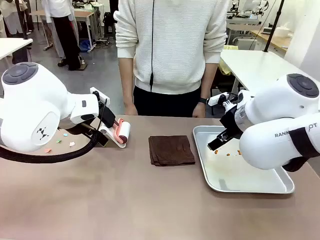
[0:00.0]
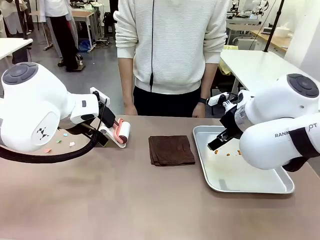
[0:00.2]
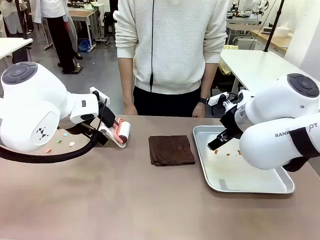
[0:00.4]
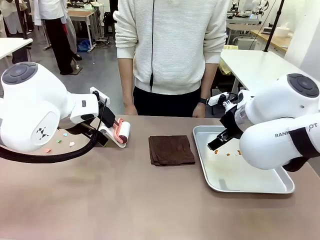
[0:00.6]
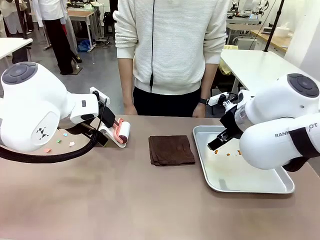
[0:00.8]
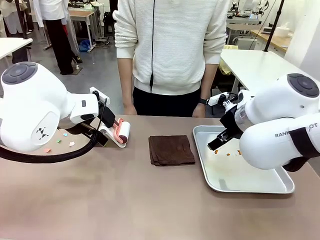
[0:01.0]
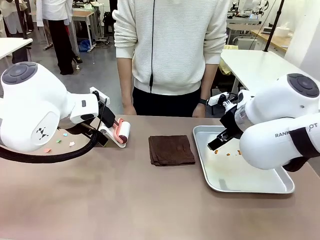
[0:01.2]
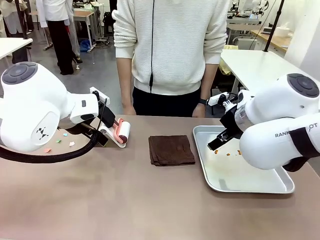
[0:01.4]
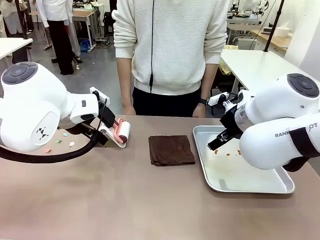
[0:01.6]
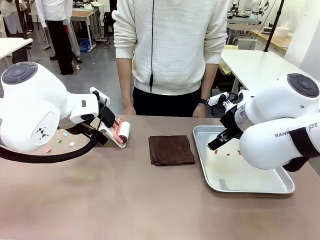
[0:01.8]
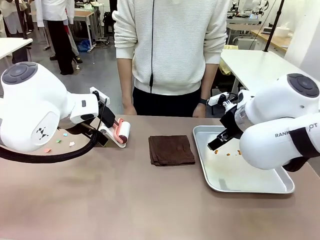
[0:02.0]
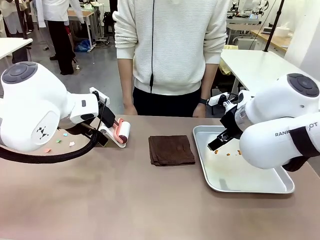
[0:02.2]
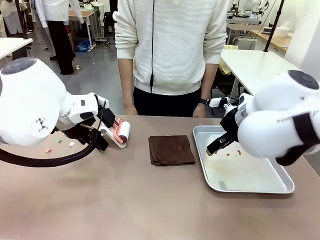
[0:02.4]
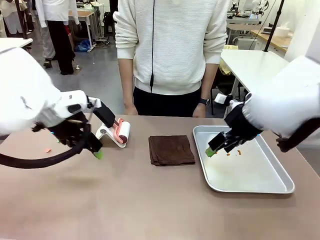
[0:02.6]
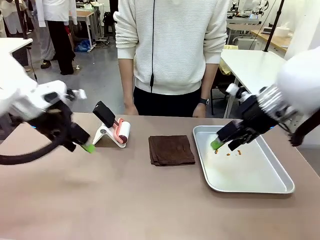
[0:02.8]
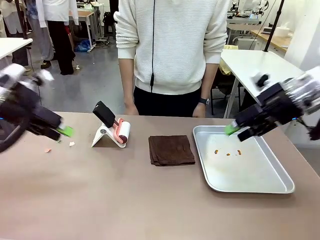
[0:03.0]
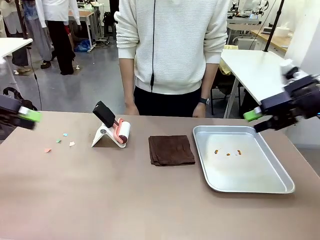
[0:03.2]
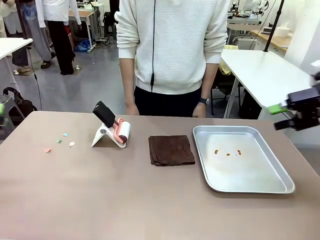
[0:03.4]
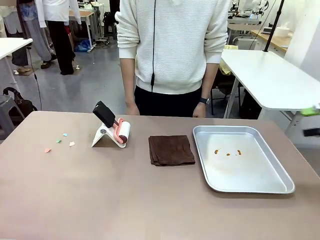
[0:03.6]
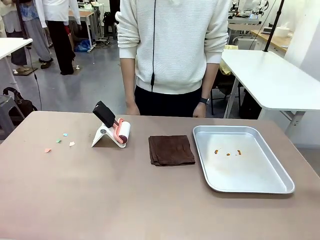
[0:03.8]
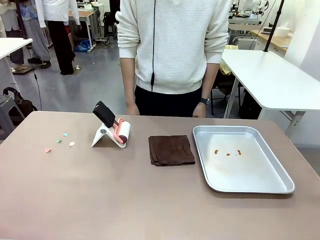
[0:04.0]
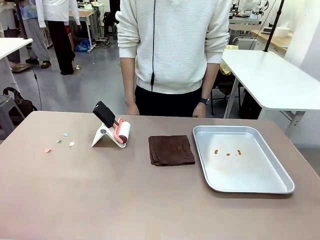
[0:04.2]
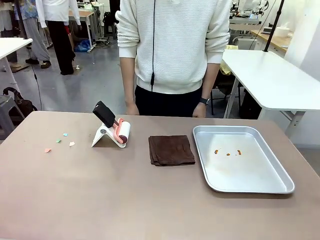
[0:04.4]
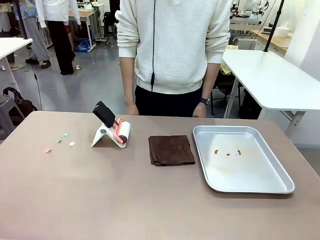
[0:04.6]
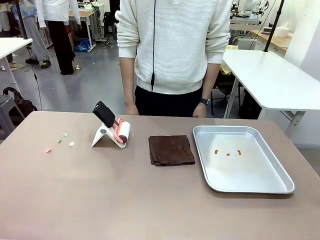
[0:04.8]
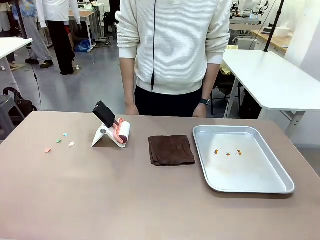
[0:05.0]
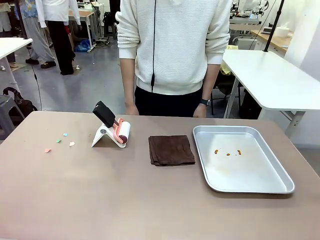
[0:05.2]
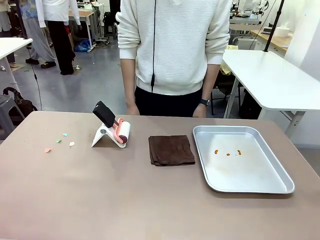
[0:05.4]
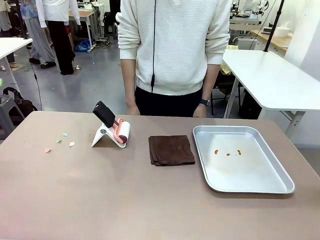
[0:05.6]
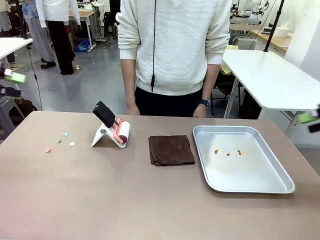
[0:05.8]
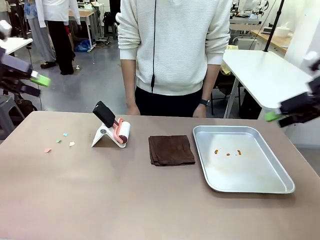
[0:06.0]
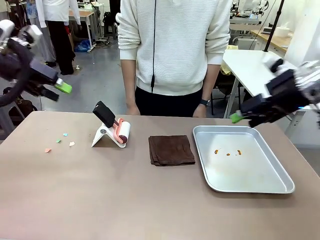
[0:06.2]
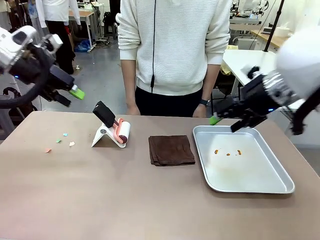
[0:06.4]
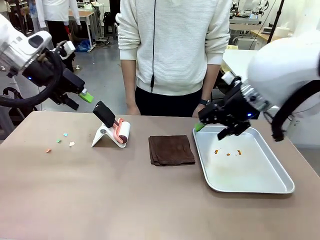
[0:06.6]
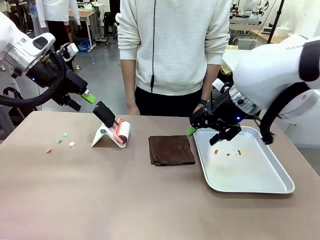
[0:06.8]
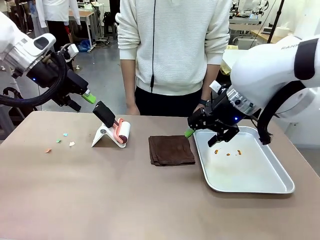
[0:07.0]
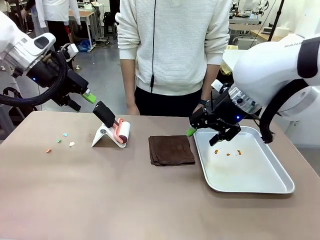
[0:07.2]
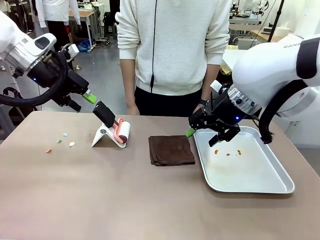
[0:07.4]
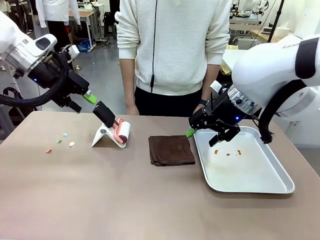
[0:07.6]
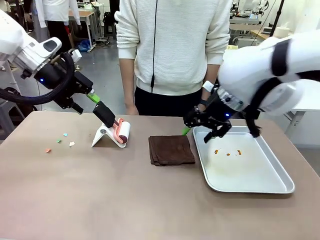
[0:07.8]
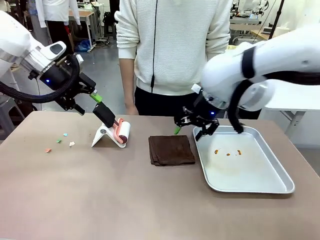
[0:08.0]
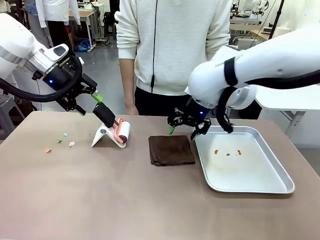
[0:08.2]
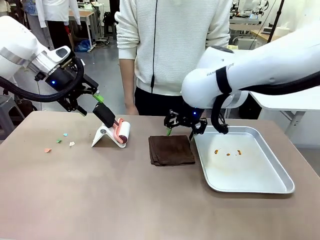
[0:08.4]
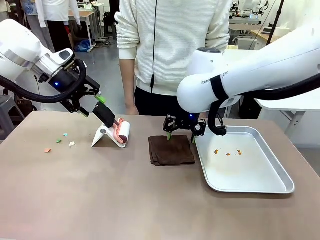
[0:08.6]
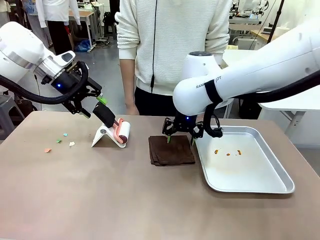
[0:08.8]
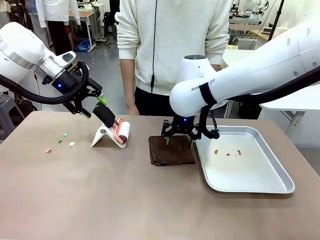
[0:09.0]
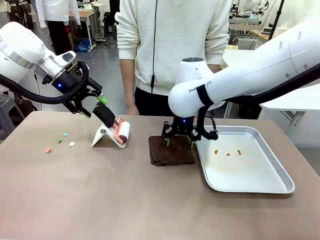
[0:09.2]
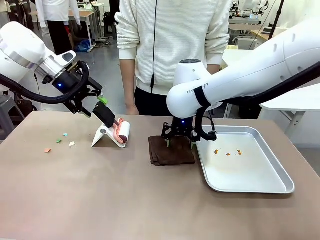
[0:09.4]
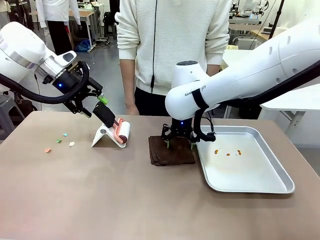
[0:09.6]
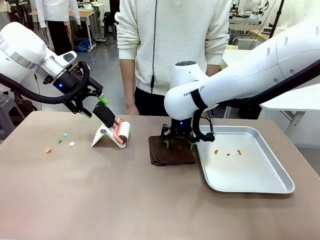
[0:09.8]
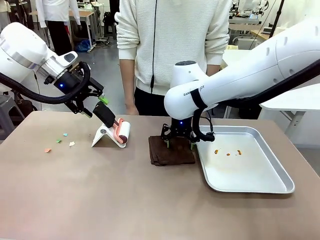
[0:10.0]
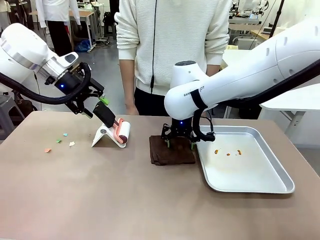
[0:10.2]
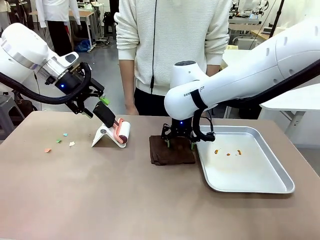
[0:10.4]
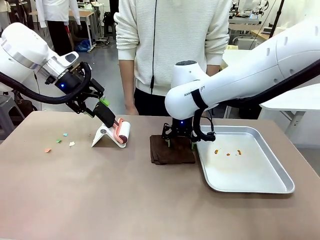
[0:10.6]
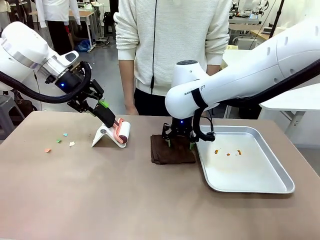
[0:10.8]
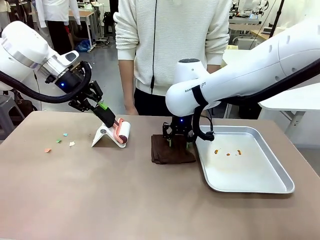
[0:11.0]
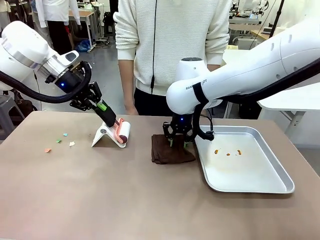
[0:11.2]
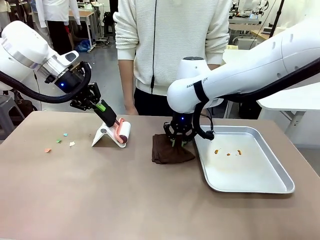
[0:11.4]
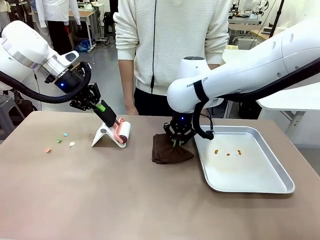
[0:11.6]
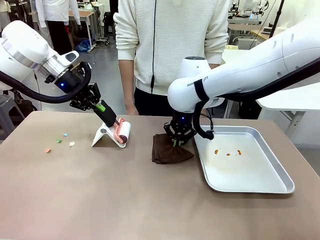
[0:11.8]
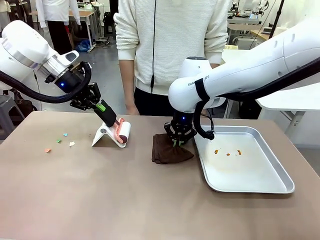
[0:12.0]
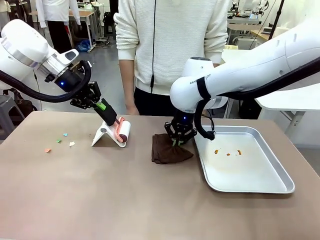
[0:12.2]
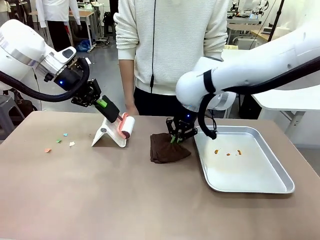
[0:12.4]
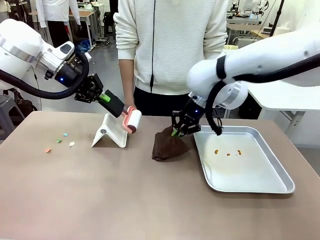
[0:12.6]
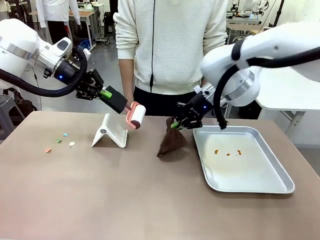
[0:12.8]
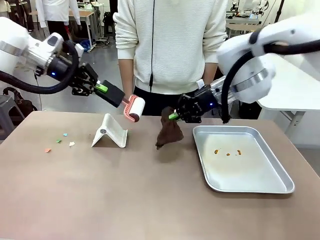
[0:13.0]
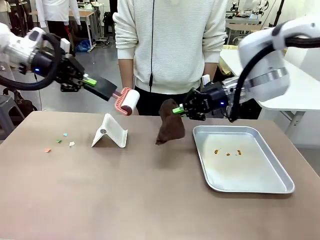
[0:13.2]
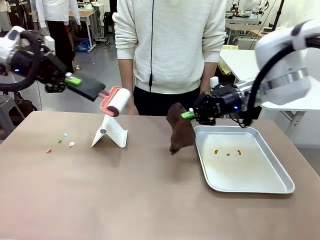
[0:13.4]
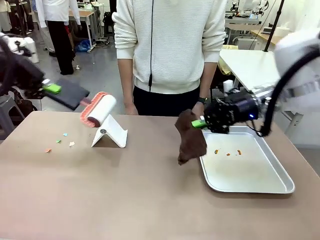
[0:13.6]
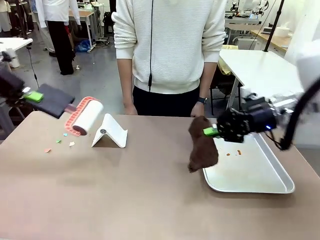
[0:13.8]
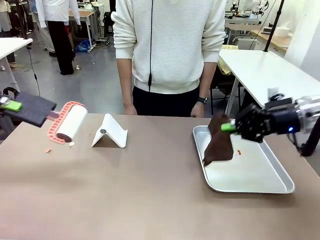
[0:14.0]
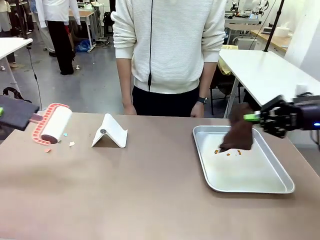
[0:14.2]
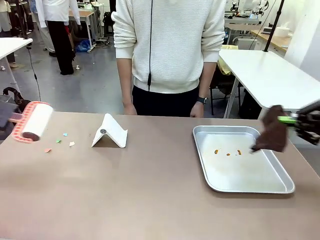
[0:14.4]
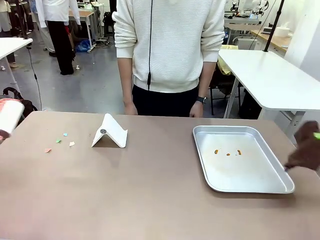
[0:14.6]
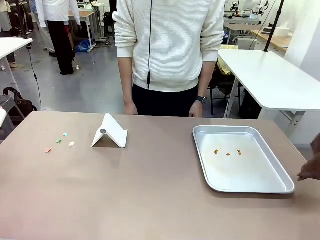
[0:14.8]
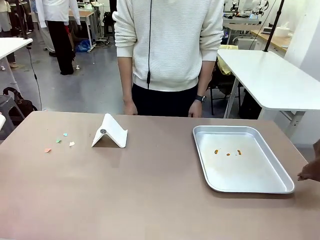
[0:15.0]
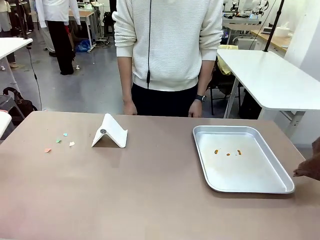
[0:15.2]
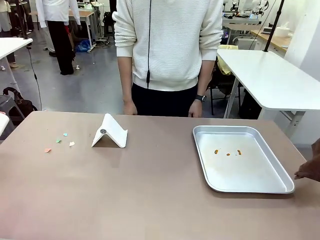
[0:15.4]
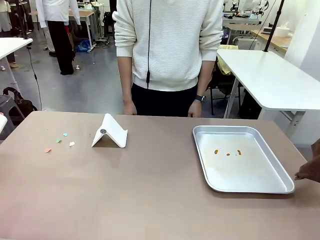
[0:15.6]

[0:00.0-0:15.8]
Task: Clean the surface of the table.
Robot: Hold the Lint Roller with your left hand and the towel with your right hand.

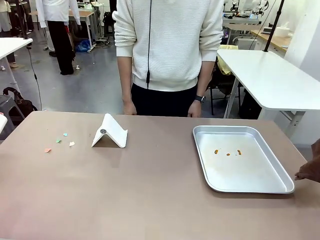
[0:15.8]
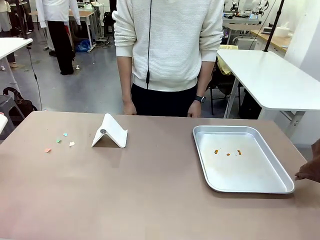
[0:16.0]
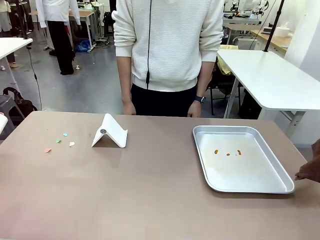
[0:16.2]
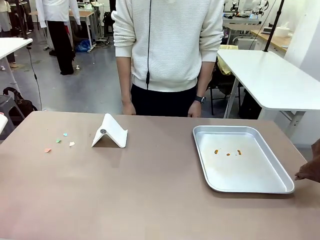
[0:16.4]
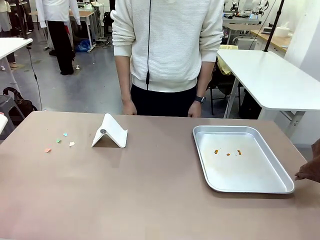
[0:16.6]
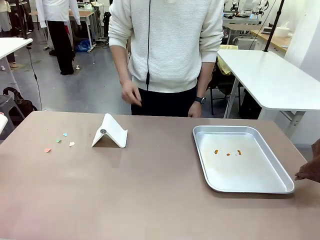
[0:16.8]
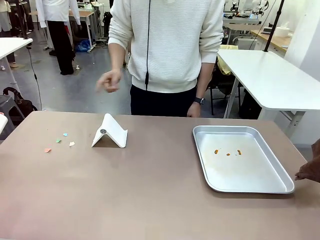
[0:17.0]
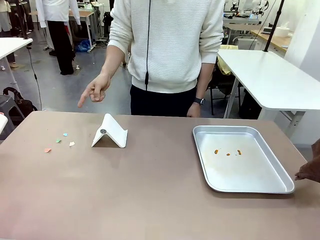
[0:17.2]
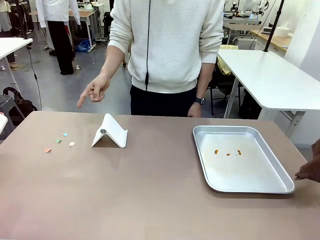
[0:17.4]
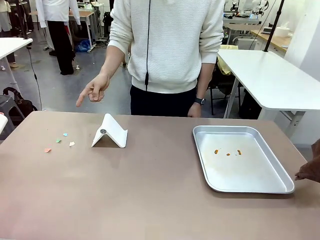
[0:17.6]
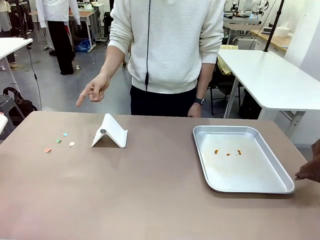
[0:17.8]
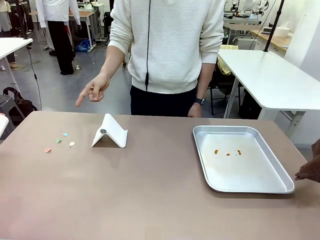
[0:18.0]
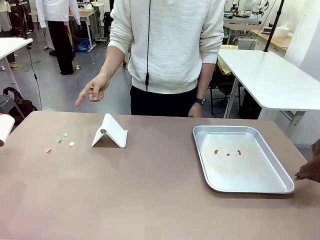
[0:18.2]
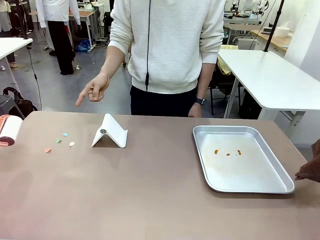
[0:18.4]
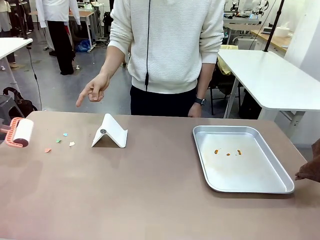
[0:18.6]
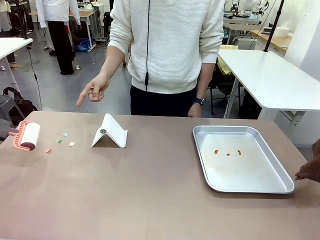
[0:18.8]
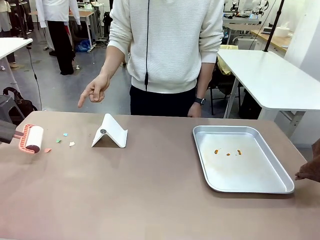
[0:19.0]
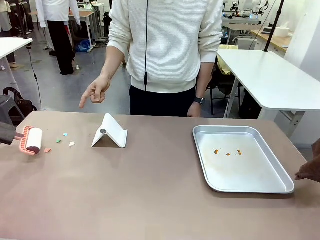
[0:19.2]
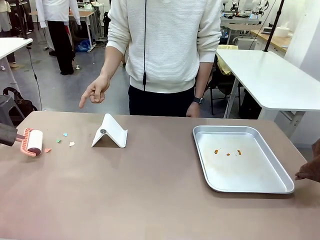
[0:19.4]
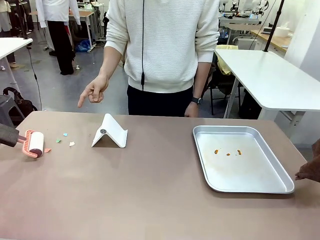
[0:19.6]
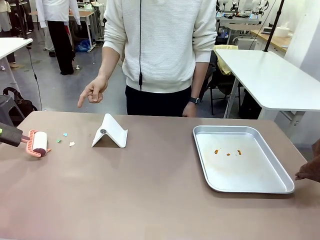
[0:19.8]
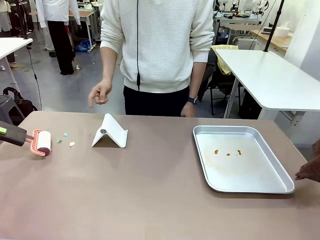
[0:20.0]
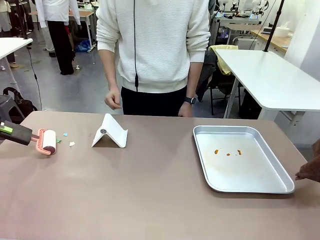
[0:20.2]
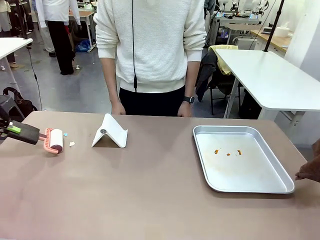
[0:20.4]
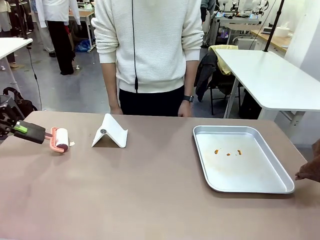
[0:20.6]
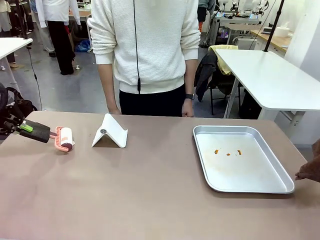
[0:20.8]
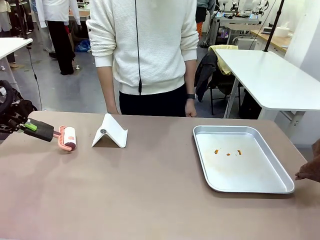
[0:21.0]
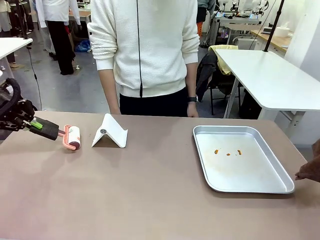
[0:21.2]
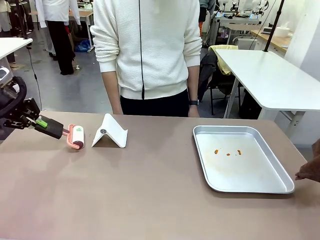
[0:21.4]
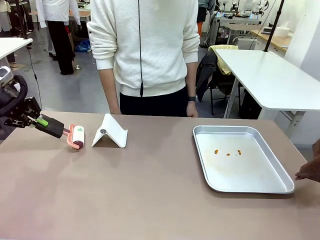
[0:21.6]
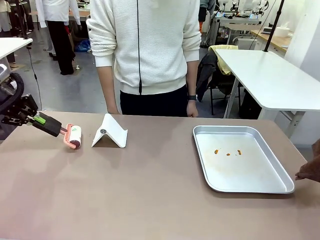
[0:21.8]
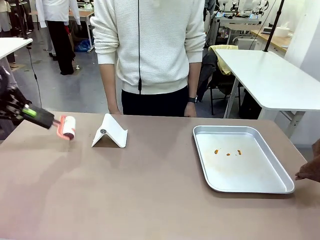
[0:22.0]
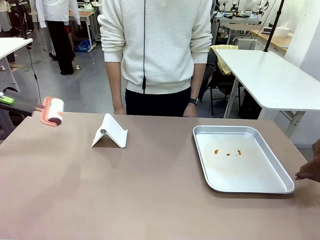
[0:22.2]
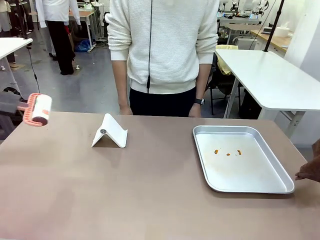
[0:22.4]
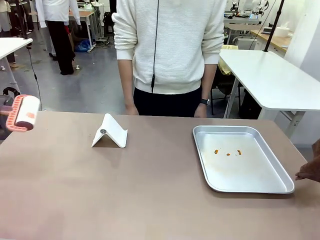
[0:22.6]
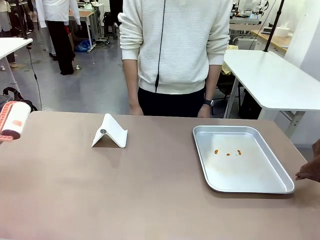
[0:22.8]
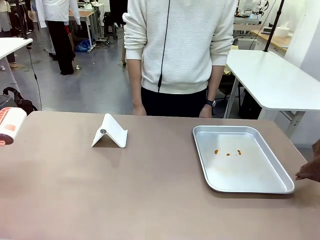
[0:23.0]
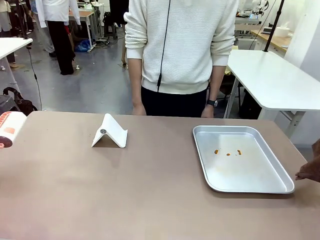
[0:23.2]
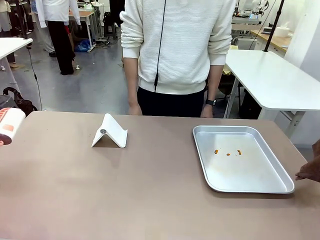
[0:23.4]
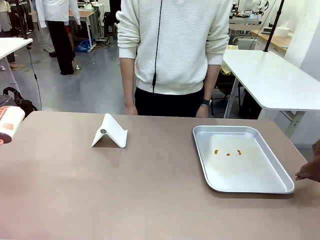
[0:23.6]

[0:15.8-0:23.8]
Robot: If a person points to the right, clean the right side of the table with your right hand, and if they point to the left, clean the left side with your left hand.
